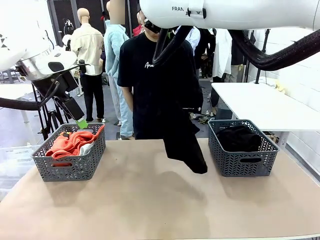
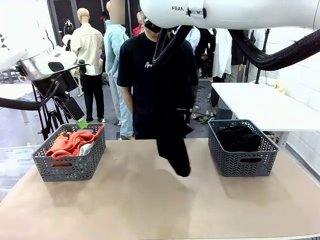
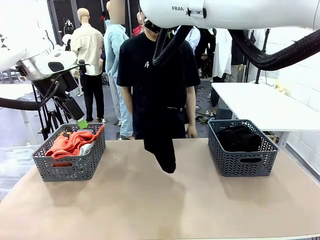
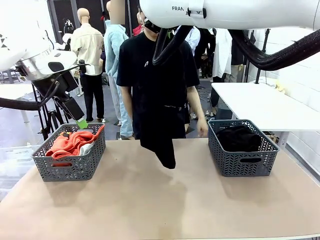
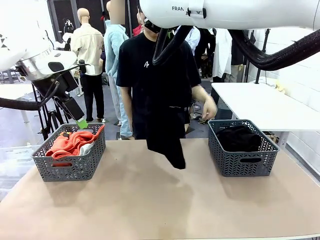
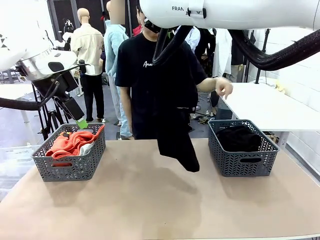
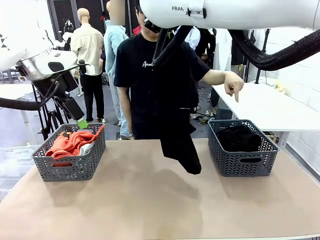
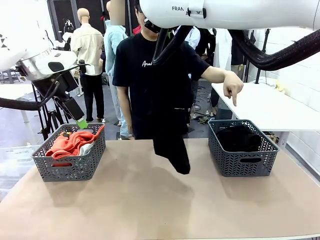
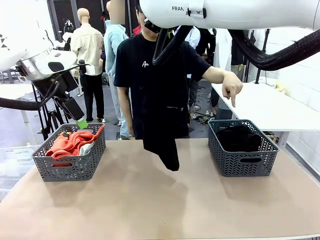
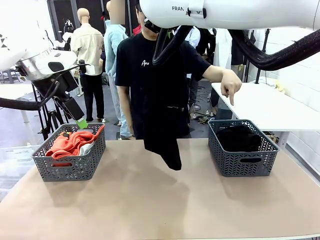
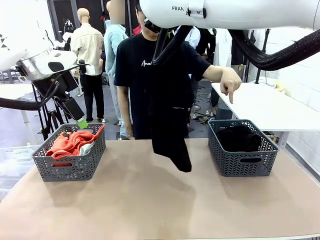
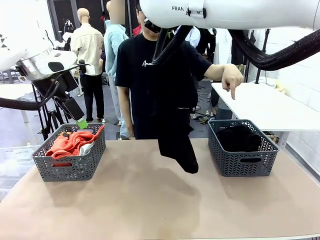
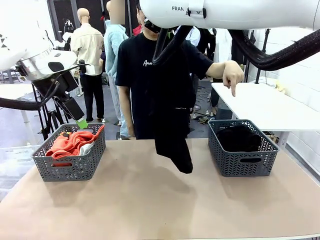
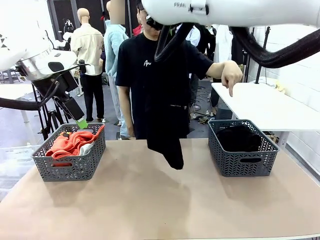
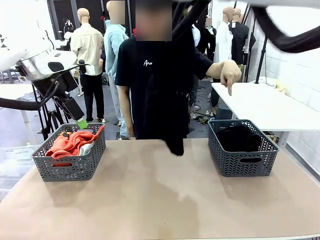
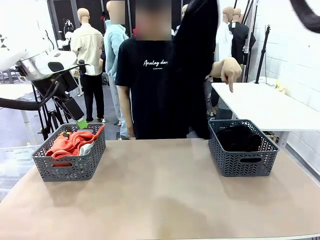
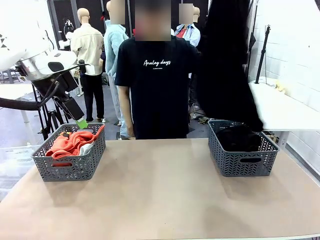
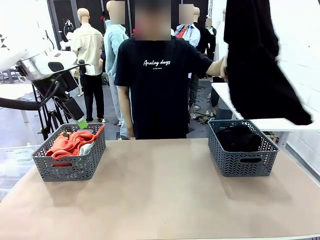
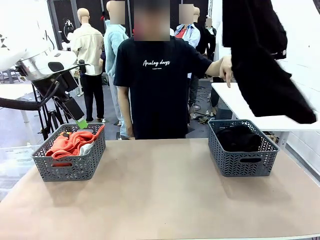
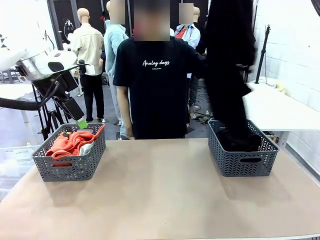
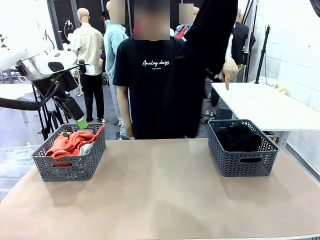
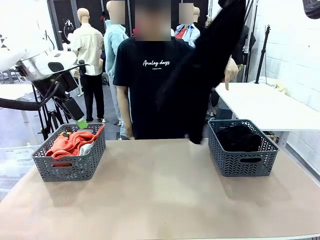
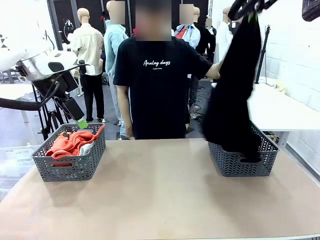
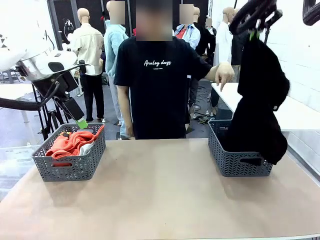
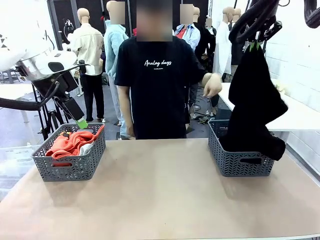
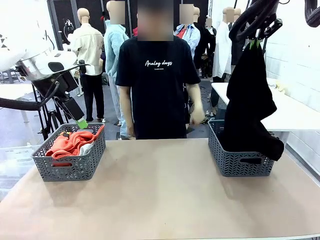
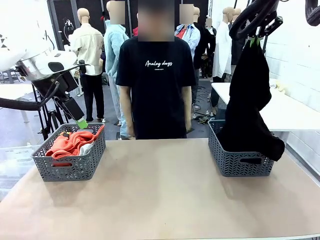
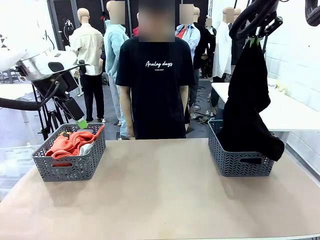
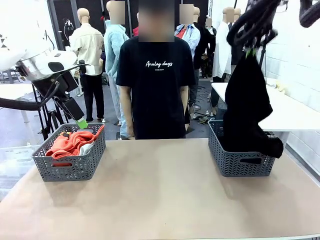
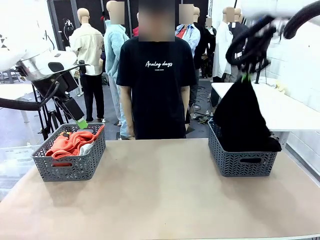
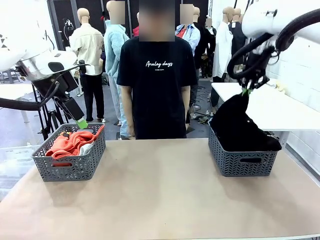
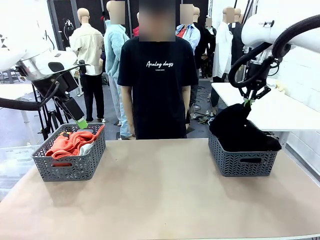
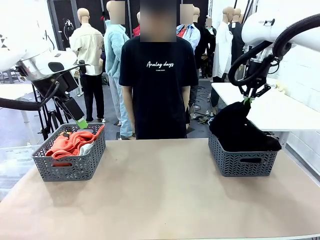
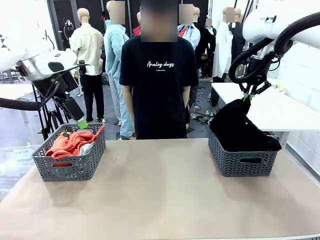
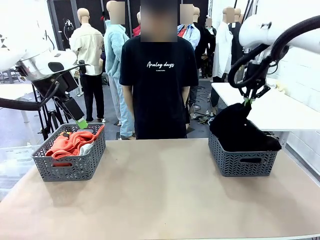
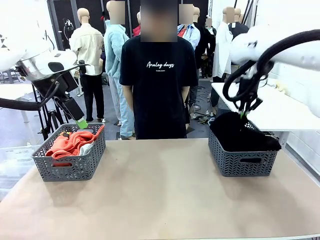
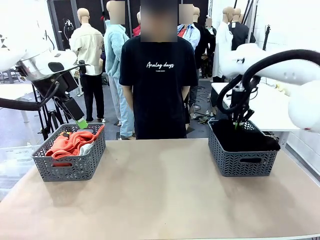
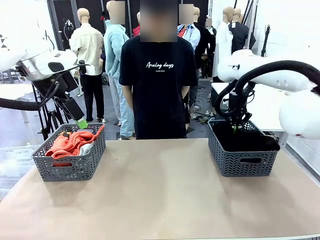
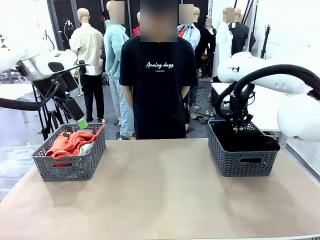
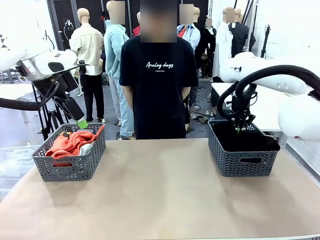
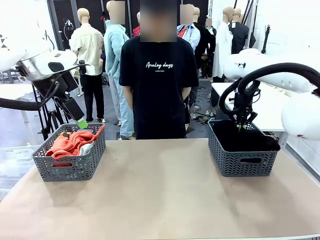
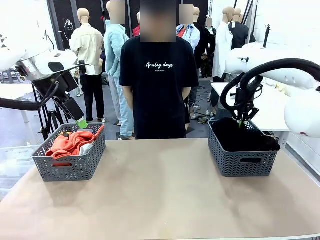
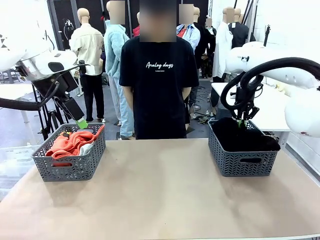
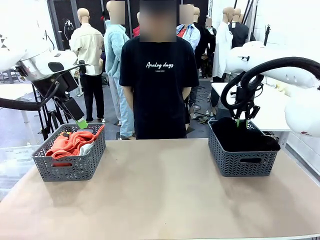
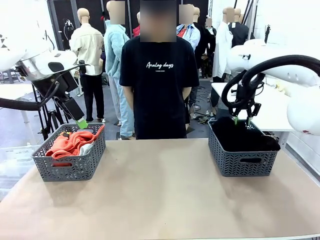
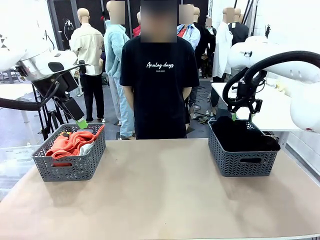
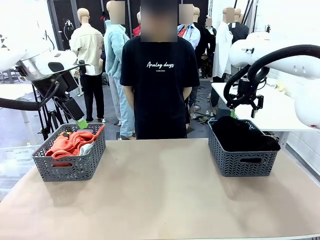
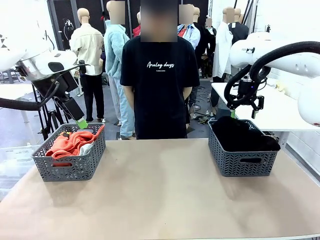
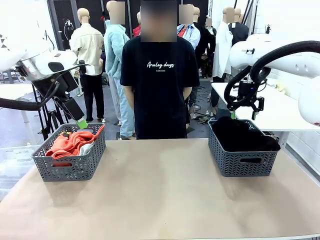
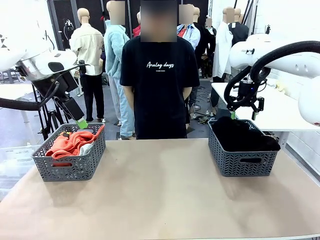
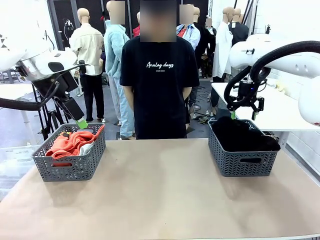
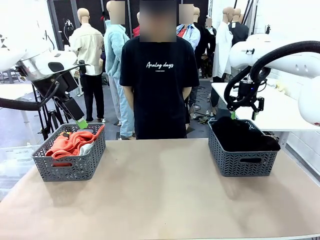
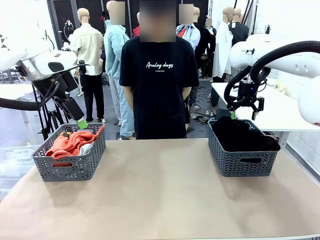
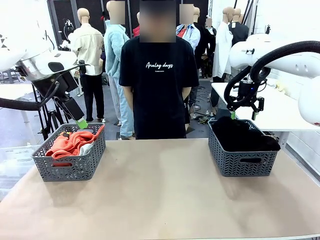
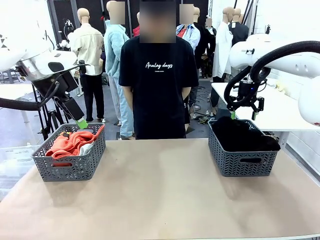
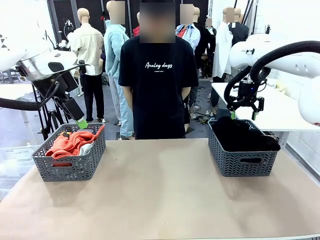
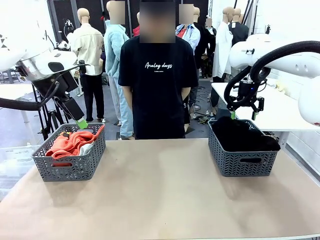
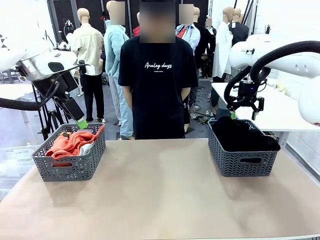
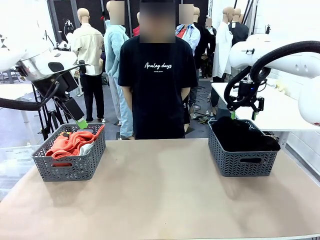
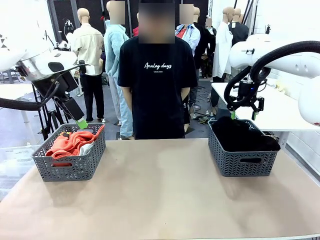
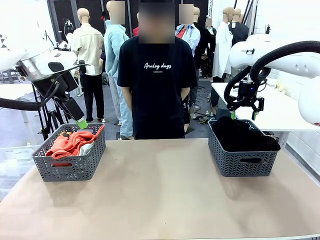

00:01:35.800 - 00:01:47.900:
Task: Sort the tops and bottoms.
Robot: Sort the clothes according to human instructions.

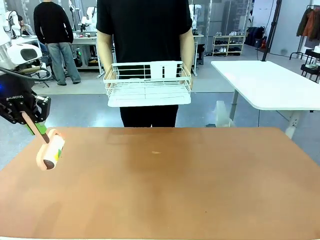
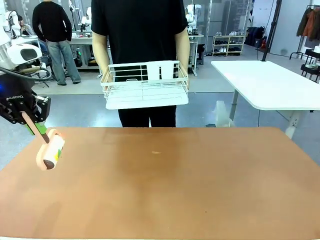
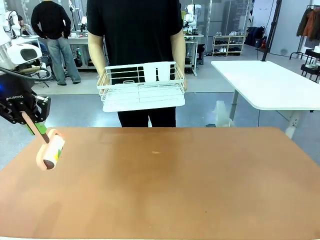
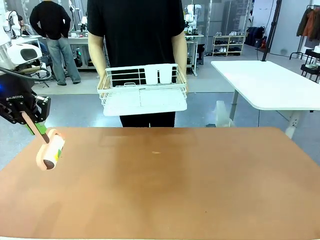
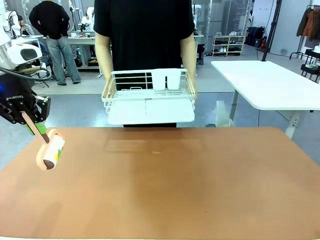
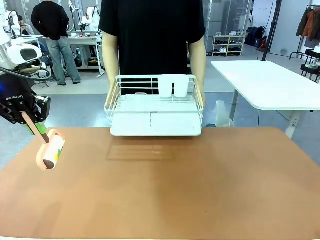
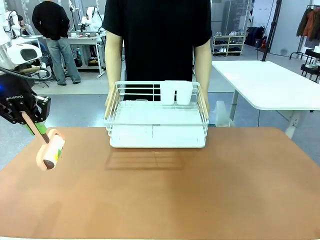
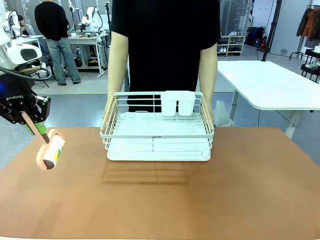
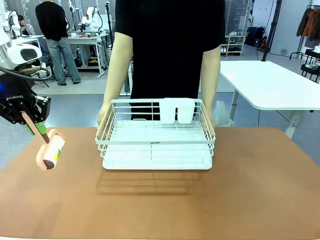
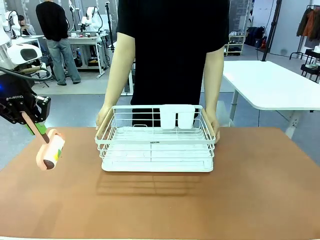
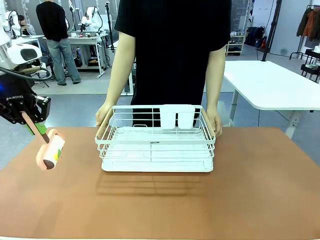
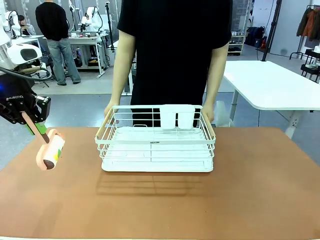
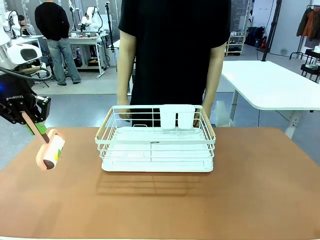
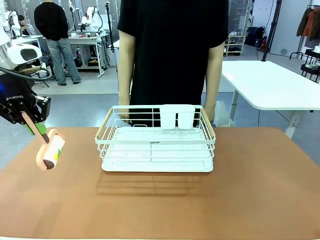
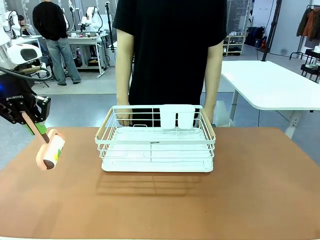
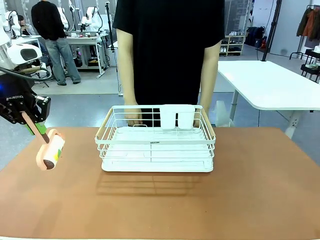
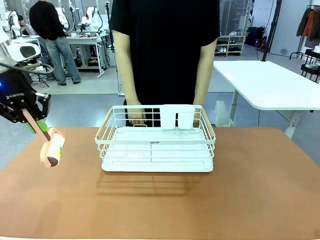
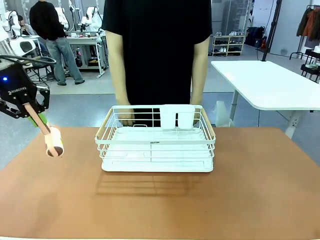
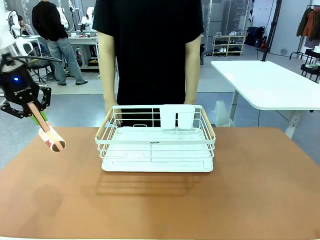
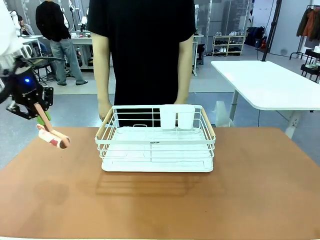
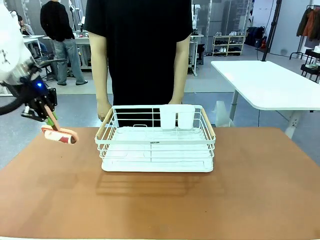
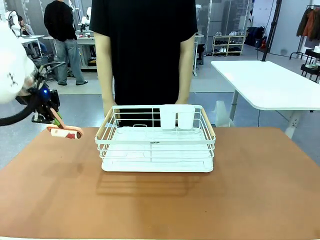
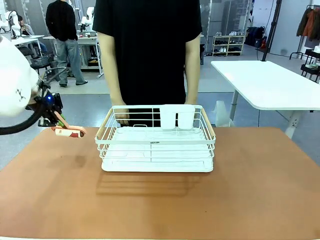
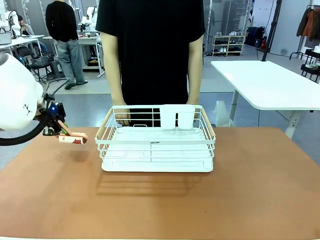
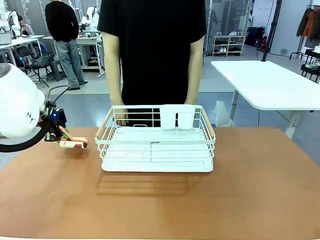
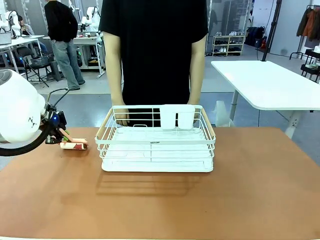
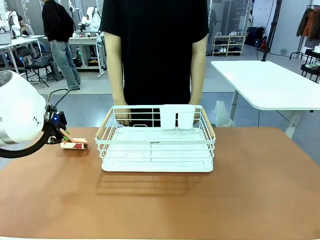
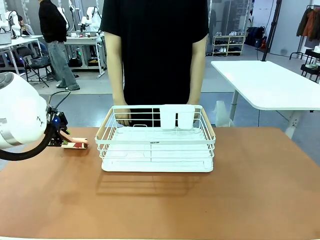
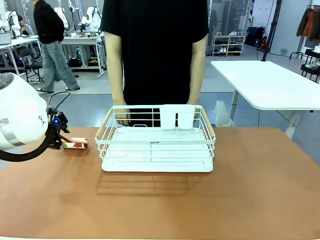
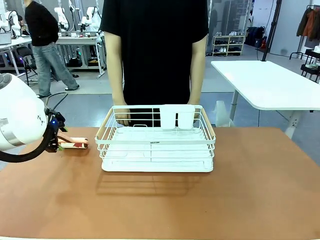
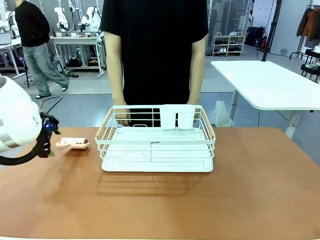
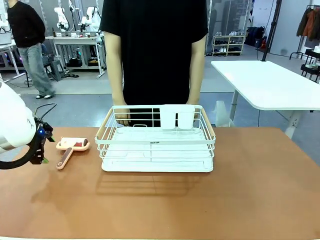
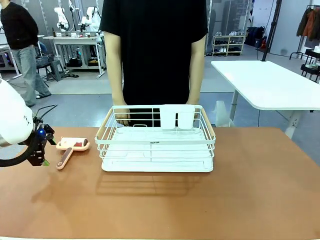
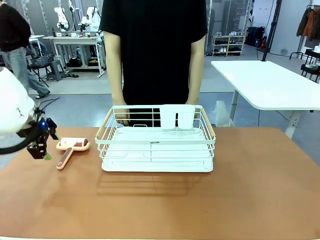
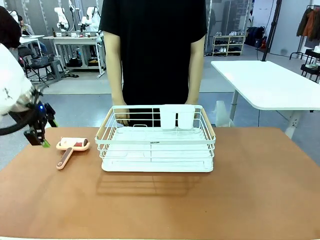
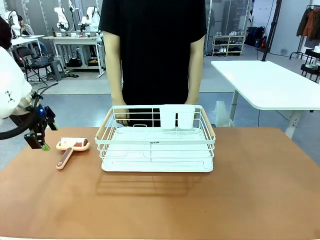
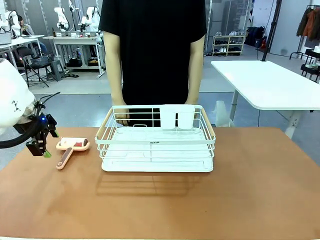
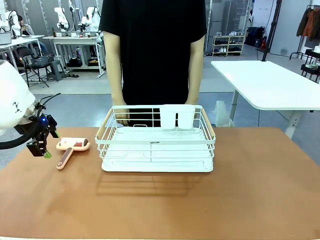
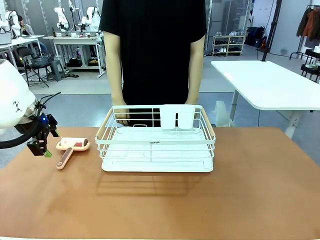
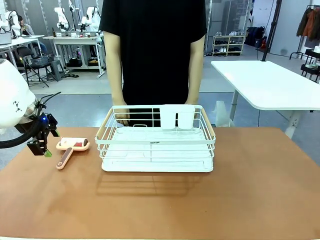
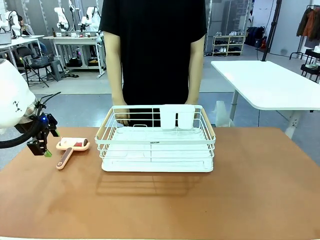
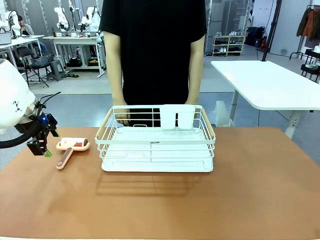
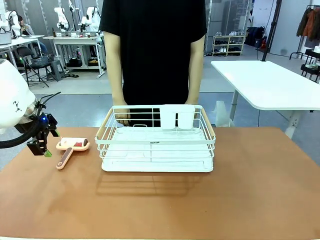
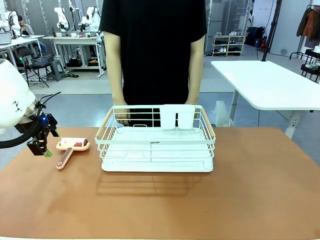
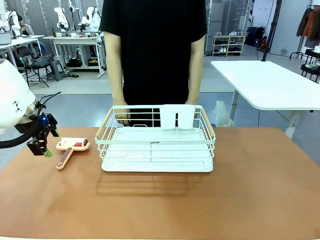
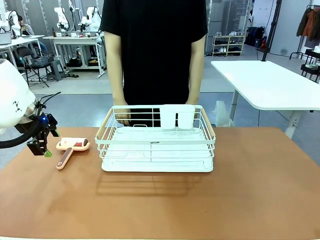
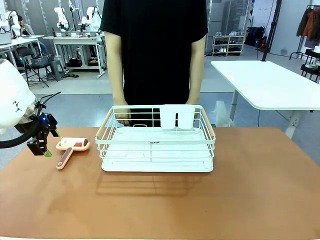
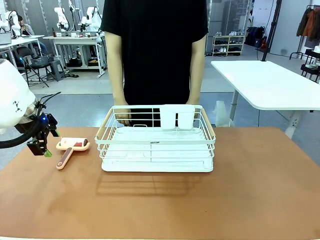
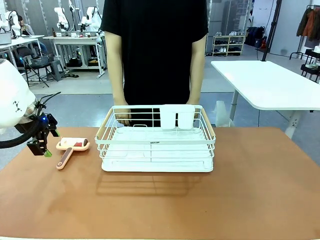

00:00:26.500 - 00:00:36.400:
Task: Clean the table.
Robot: Place the Lint Roller down when the Dish drying rack is positioned in the middle of the table.
Person: Place the Dish drying rack down when the robot finishes cleaning.
